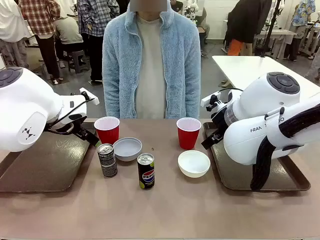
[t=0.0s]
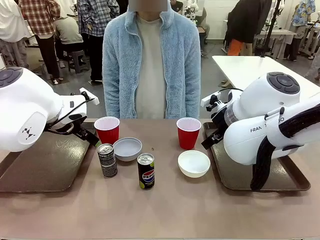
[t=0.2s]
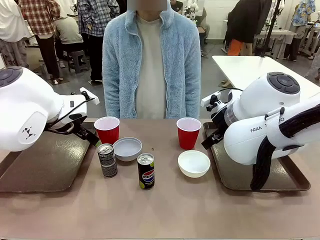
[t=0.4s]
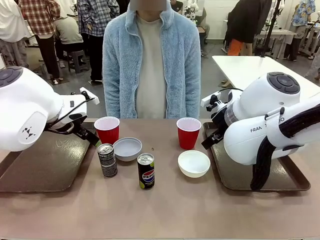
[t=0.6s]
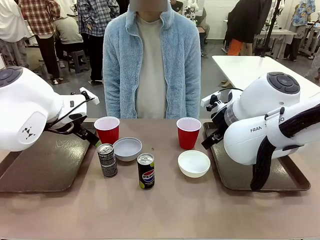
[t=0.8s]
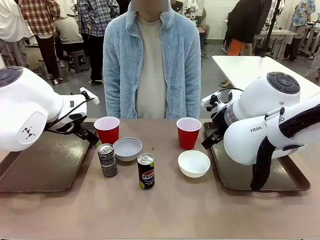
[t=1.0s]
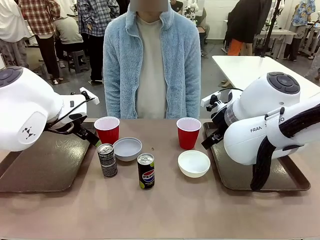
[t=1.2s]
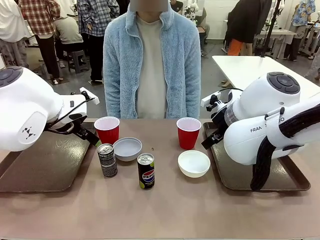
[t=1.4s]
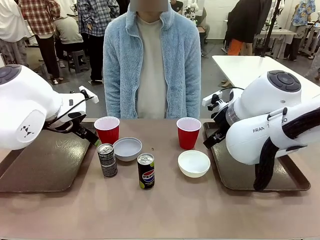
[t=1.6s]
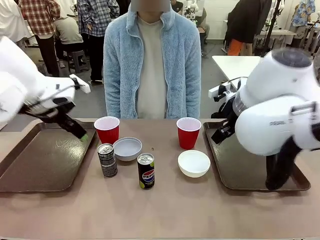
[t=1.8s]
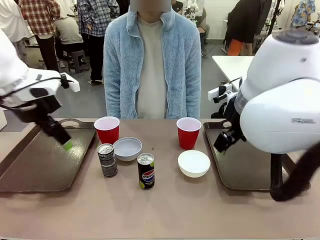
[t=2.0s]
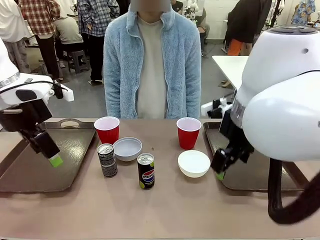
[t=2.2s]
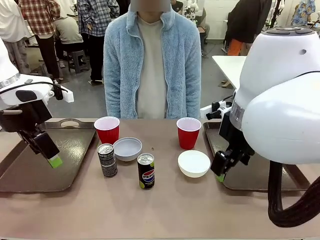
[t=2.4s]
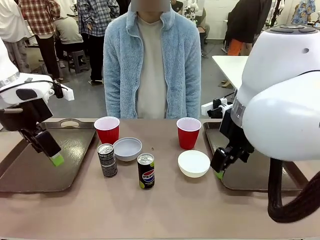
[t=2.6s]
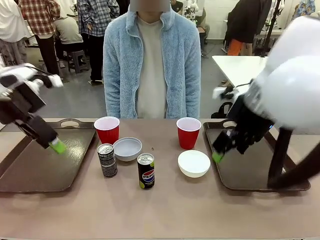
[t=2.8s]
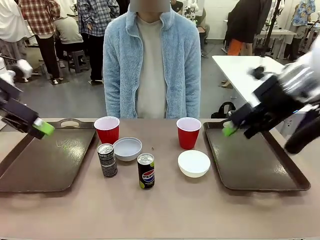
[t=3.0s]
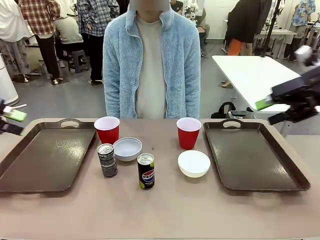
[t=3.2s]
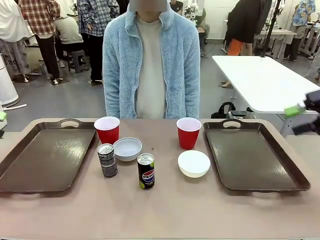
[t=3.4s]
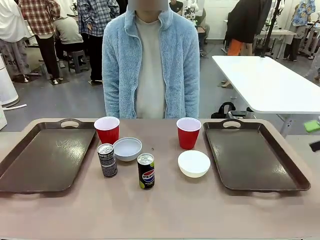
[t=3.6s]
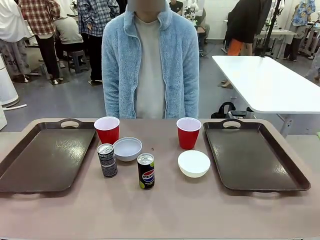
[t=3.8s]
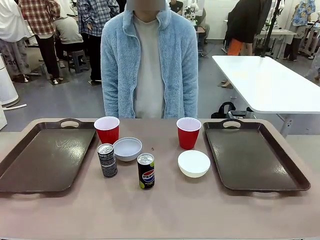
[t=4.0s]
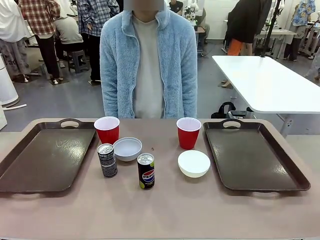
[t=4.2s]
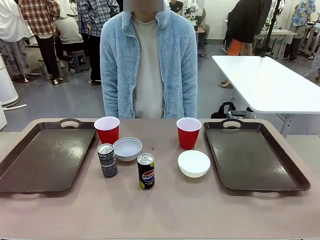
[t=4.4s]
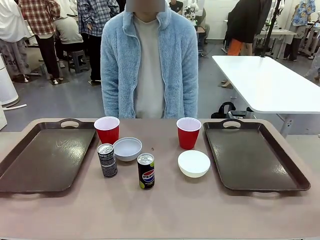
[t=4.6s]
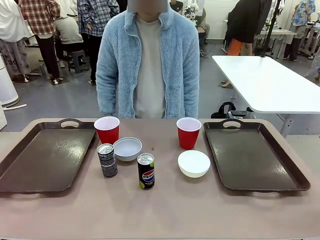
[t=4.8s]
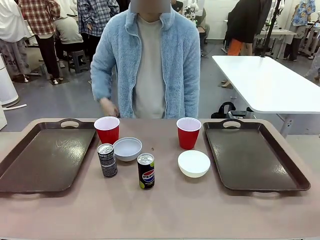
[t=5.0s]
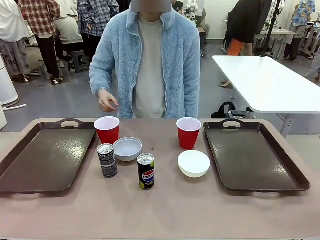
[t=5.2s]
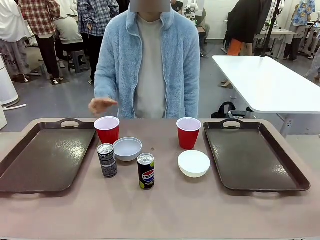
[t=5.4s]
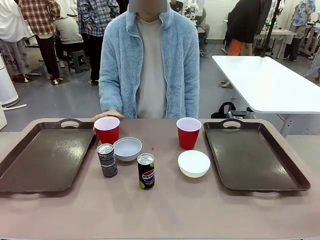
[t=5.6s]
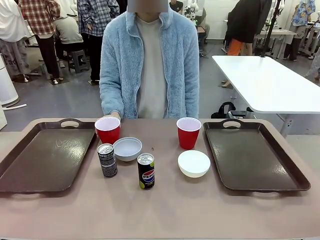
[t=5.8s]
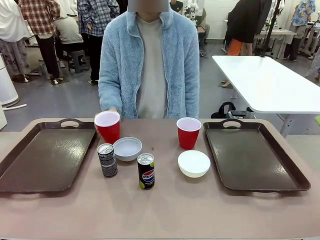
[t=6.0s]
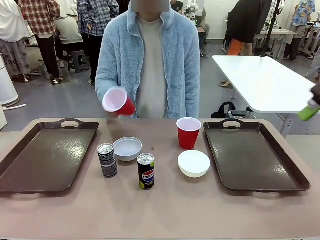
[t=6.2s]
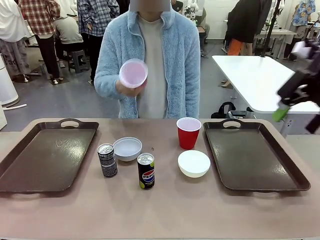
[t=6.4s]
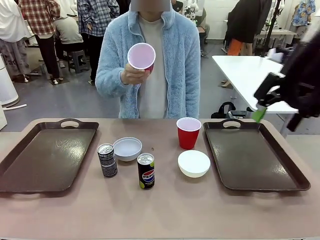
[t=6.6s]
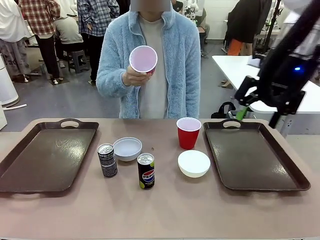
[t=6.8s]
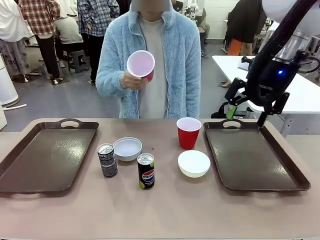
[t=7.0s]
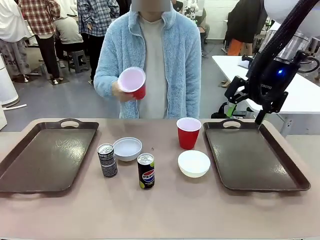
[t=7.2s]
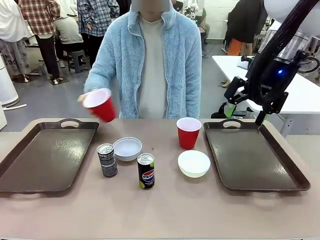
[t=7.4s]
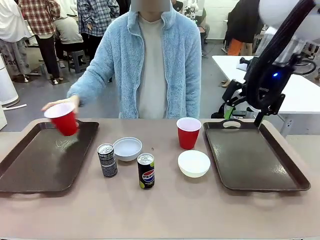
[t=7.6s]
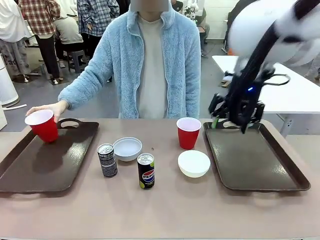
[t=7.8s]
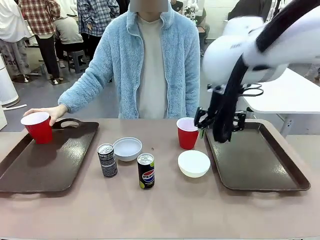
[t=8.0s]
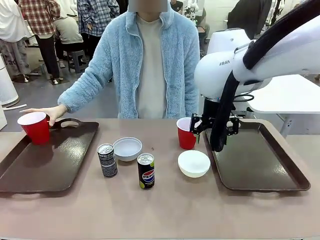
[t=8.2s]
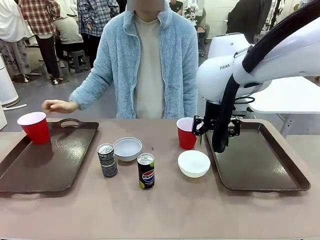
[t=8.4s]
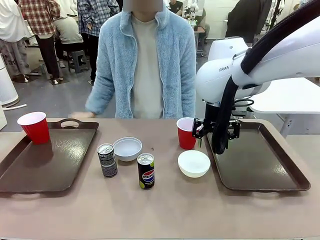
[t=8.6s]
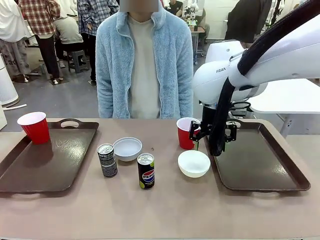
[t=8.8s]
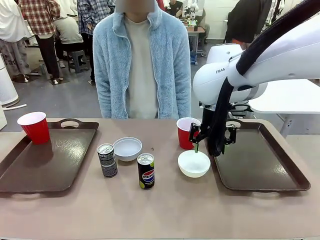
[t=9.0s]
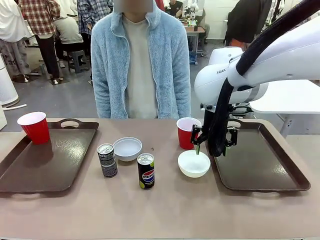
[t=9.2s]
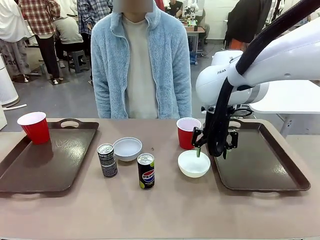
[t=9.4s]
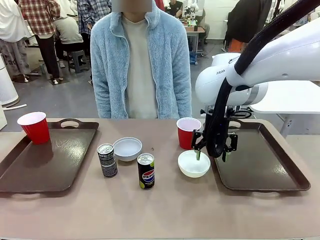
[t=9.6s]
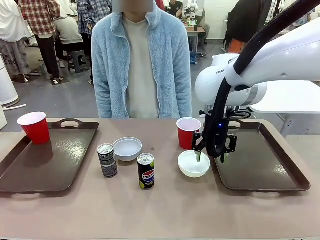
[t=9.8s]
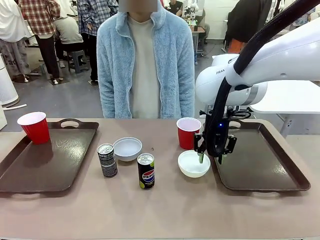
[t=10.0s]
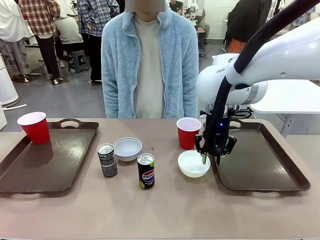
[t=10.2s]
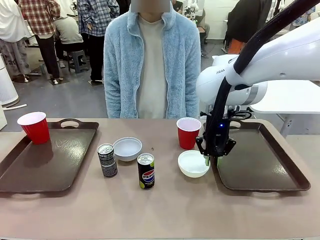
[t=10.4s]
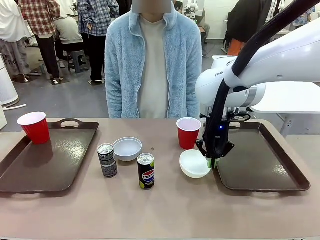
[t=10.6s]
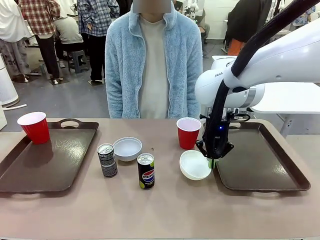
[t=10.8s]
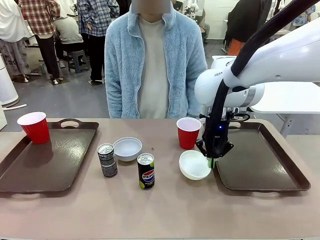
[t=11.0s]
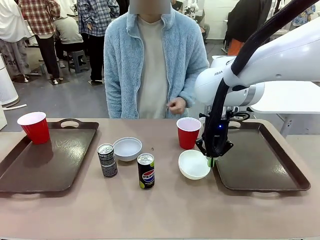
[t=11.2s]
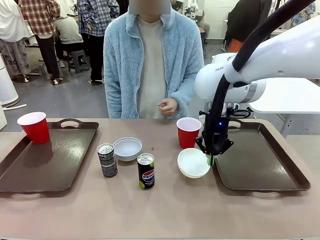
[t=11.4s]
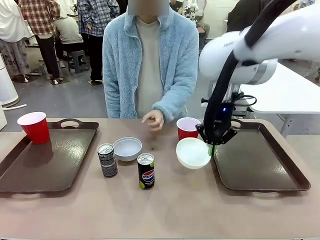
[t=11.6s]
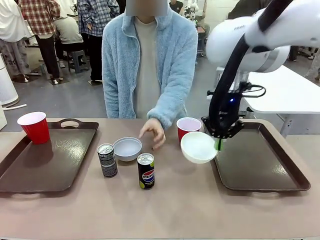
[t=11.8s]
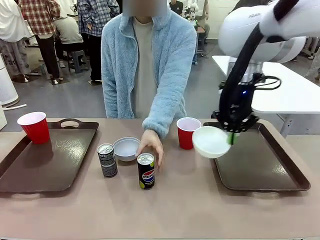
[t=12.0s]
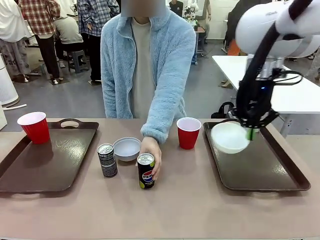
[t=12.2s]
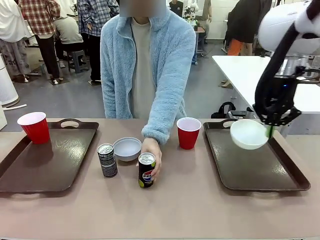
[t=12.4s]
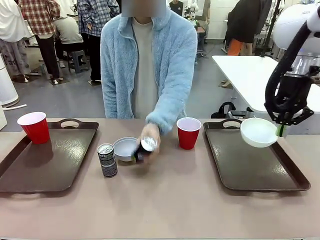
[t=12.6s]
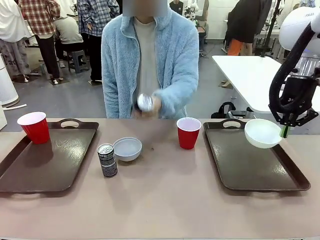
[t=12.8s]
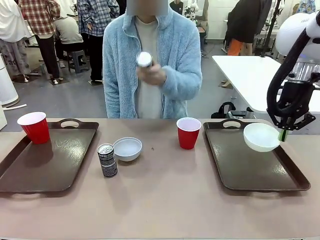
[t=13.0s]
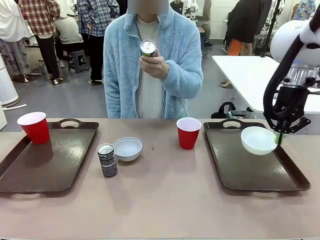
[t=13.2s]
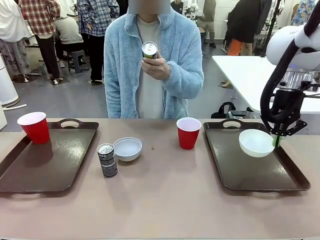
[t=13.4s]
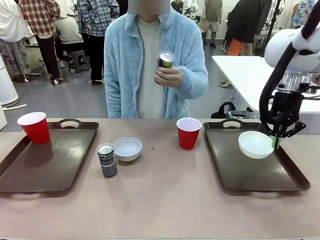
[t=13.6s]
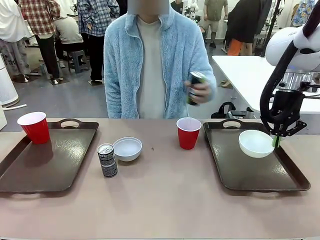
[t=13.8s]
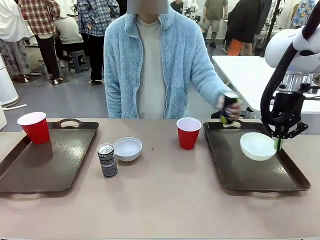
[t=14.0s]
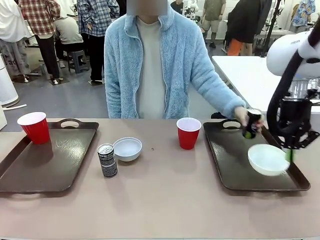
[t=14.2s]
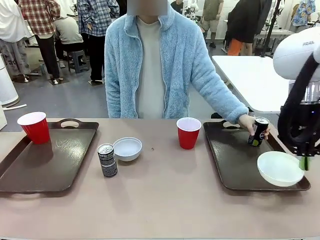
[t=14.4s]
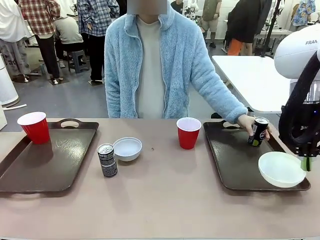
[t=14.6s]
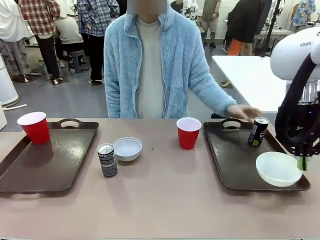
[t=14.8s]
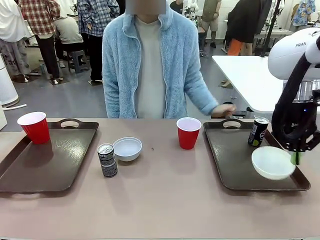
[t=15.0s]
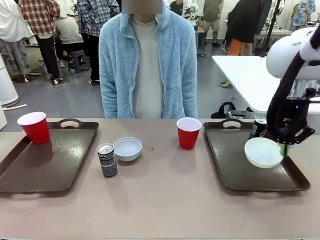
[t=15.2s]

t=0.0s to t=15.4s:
Task: Prepare tableware on both trays.
Robot: Pick up a Picnic Bowl from the table and place it on a Handle tray.
Person: Pick up a can or cup and place it on the tray.
